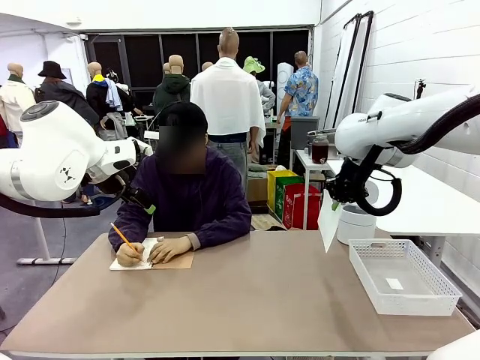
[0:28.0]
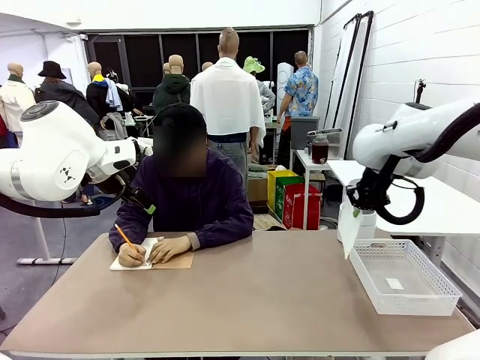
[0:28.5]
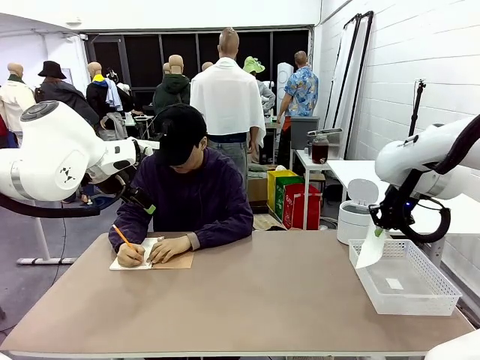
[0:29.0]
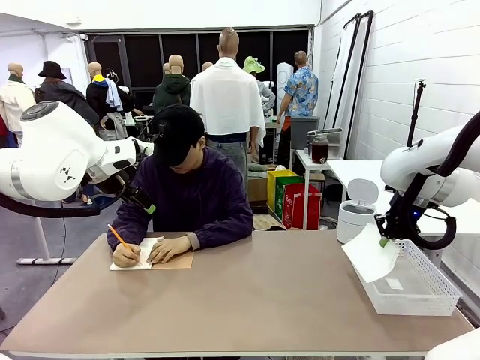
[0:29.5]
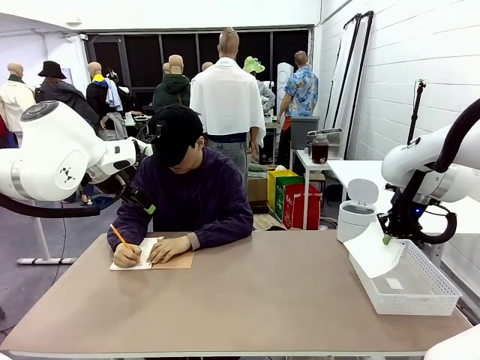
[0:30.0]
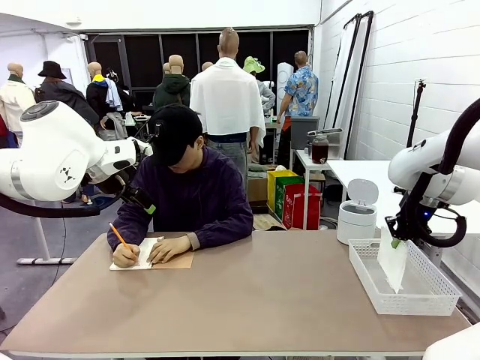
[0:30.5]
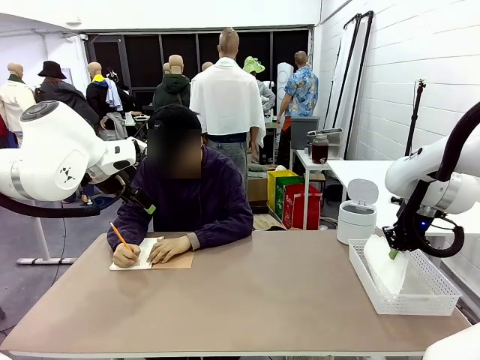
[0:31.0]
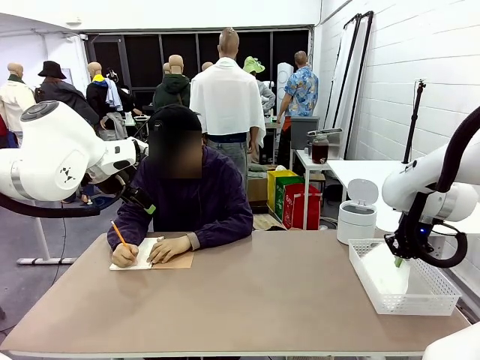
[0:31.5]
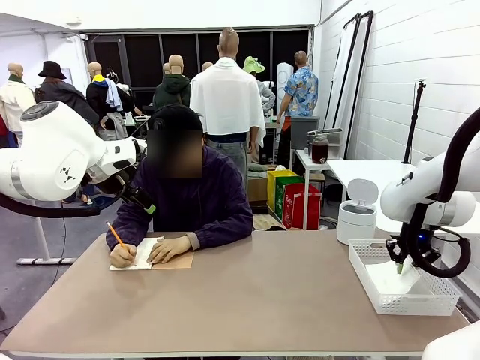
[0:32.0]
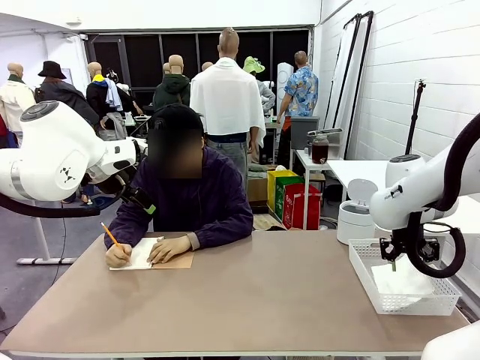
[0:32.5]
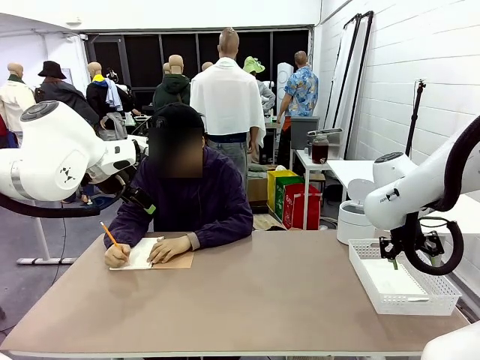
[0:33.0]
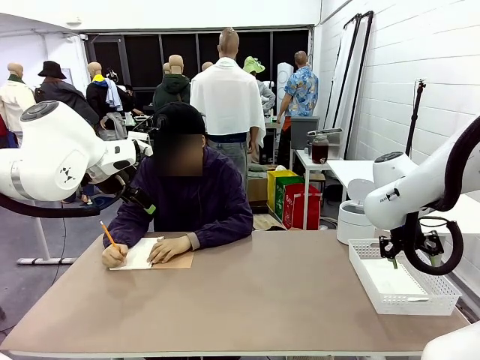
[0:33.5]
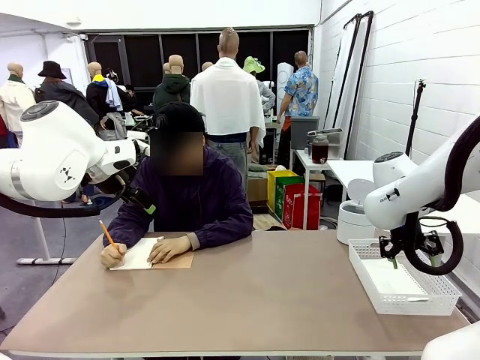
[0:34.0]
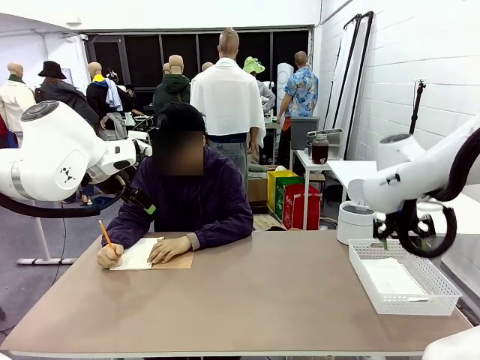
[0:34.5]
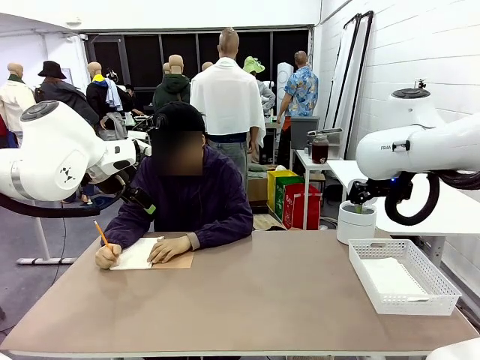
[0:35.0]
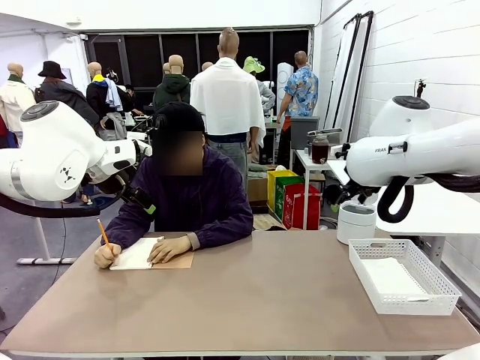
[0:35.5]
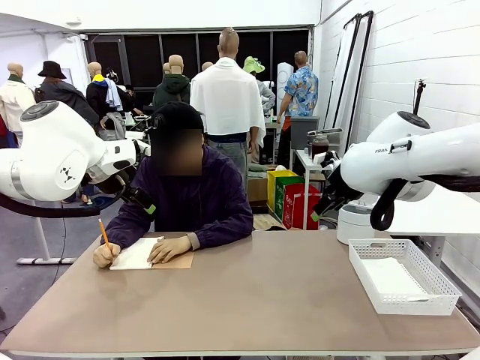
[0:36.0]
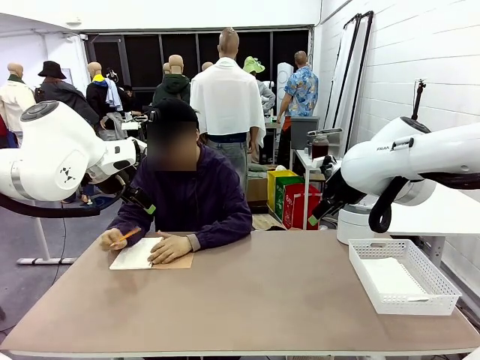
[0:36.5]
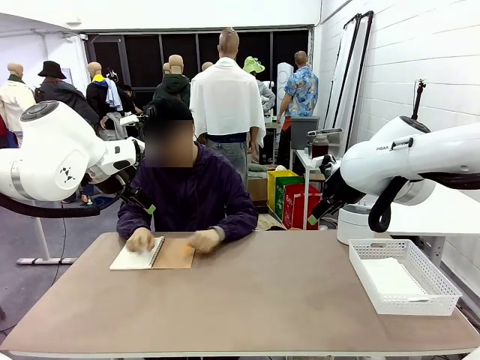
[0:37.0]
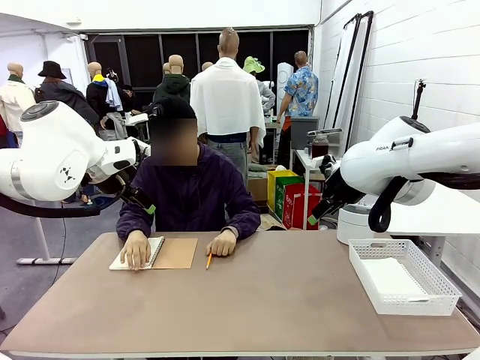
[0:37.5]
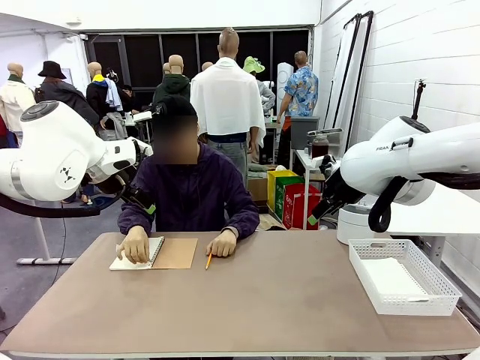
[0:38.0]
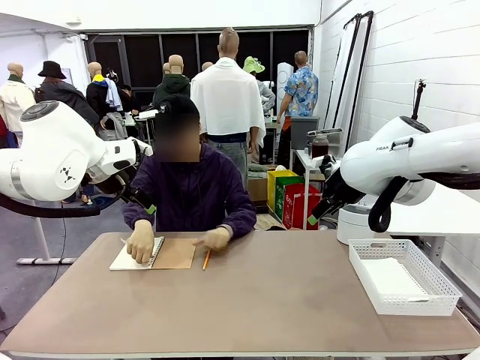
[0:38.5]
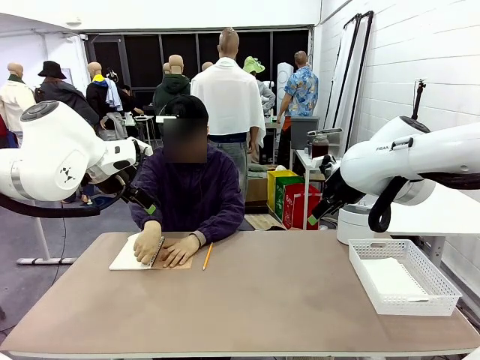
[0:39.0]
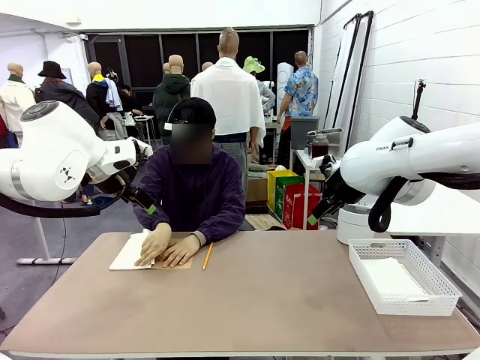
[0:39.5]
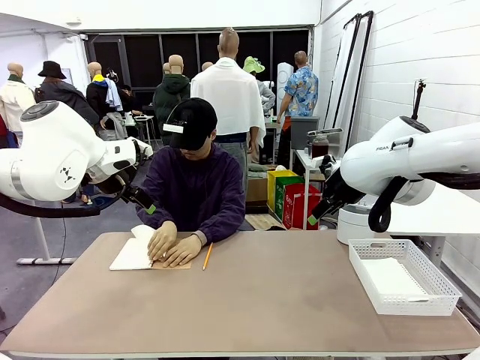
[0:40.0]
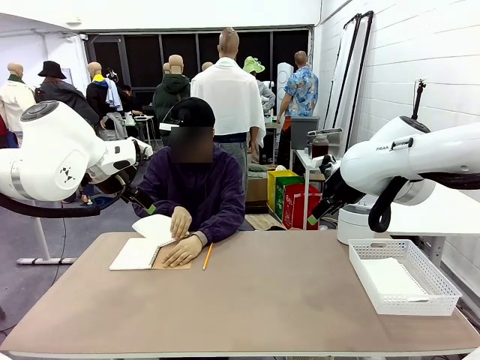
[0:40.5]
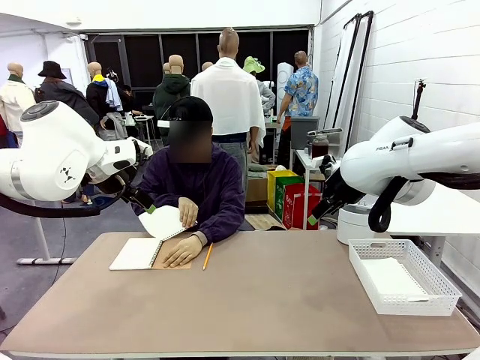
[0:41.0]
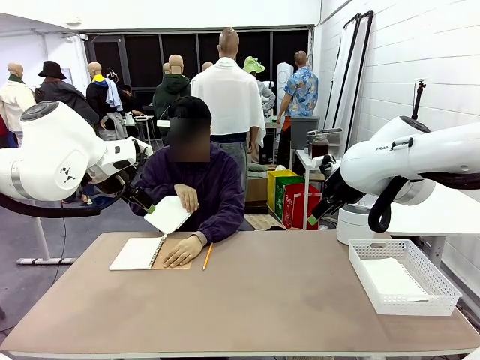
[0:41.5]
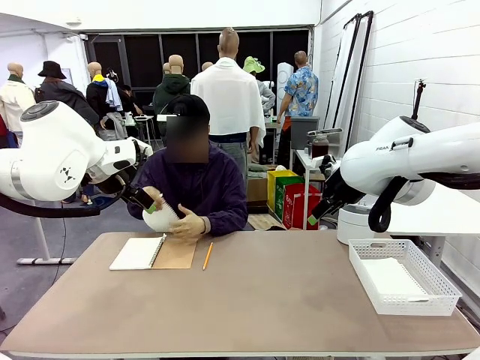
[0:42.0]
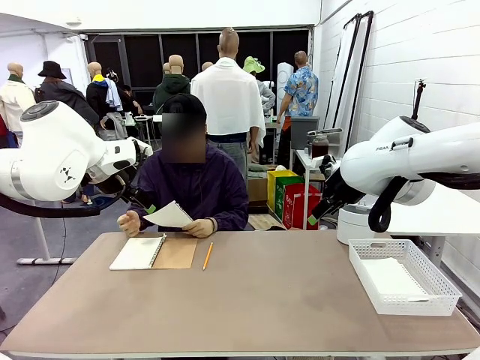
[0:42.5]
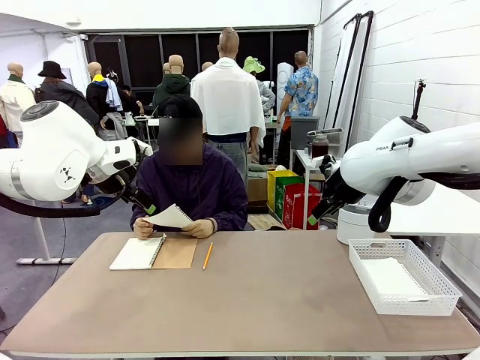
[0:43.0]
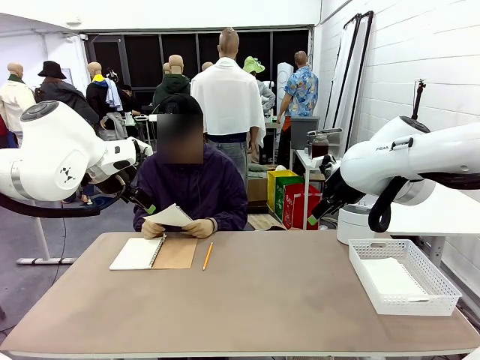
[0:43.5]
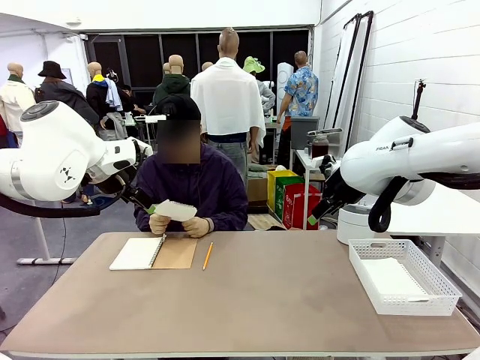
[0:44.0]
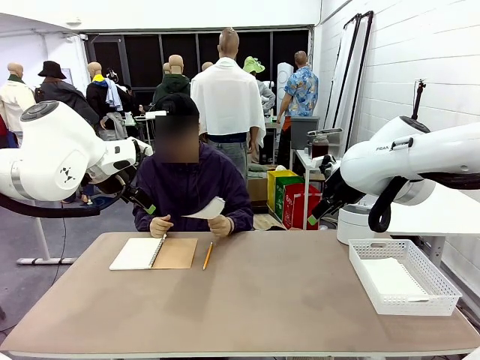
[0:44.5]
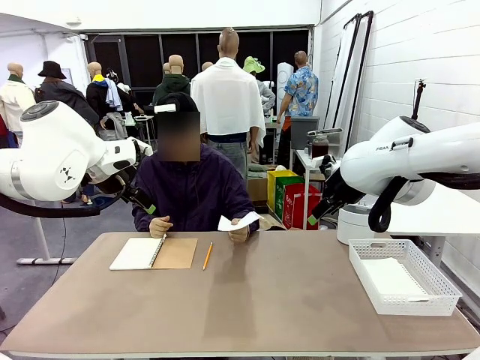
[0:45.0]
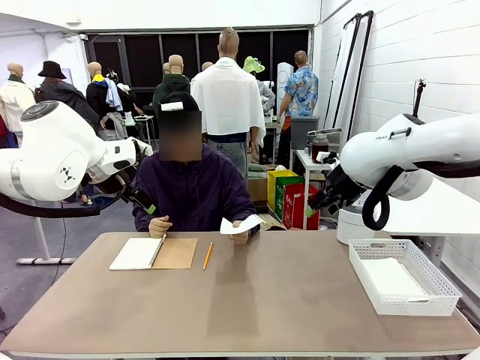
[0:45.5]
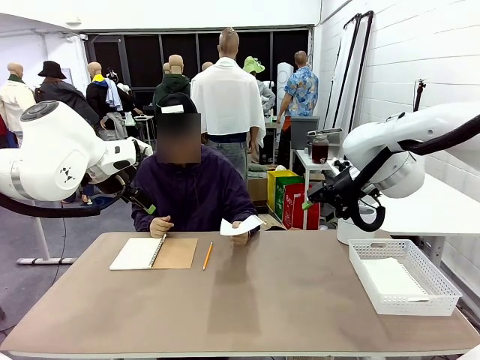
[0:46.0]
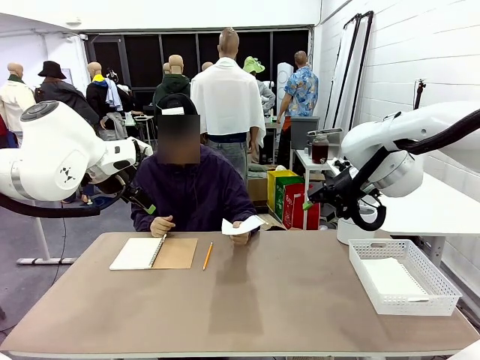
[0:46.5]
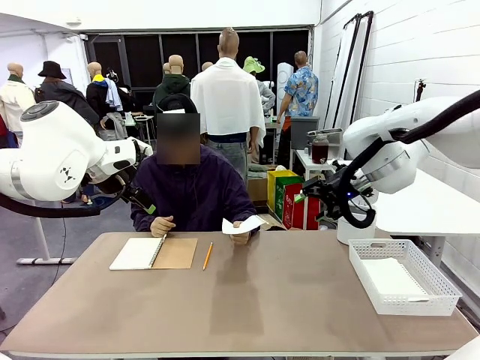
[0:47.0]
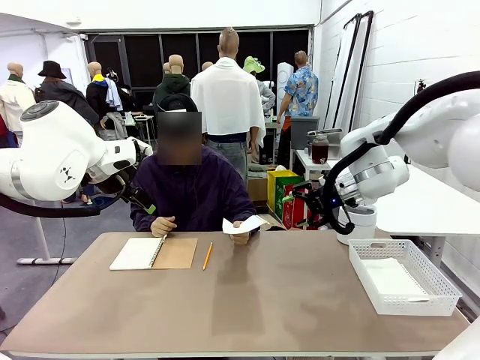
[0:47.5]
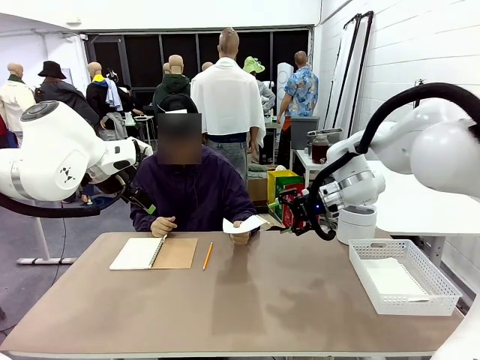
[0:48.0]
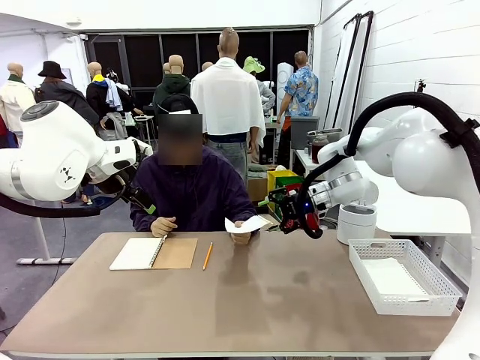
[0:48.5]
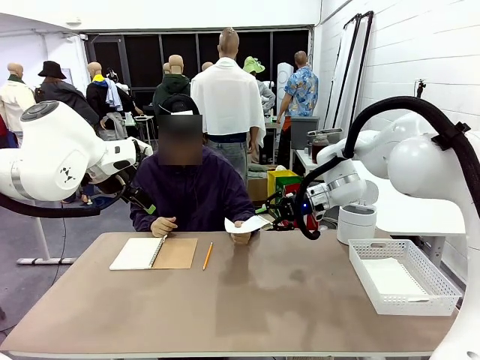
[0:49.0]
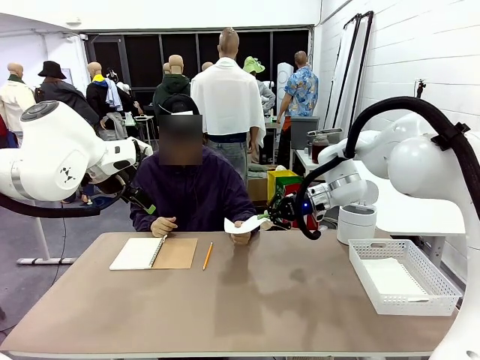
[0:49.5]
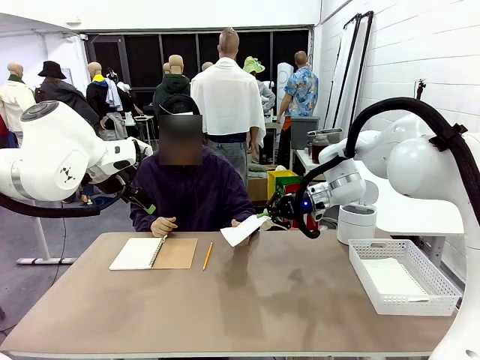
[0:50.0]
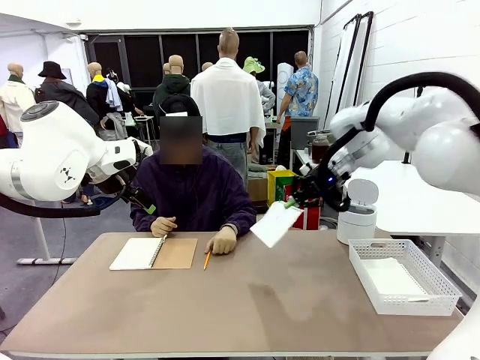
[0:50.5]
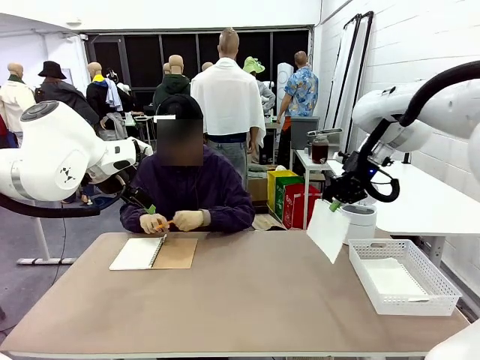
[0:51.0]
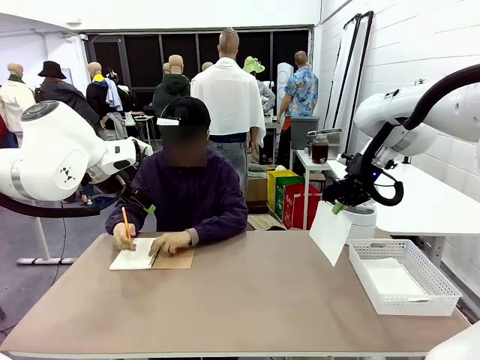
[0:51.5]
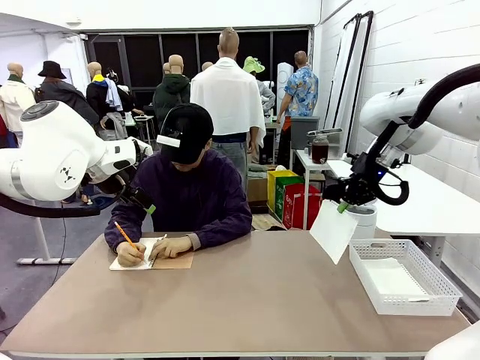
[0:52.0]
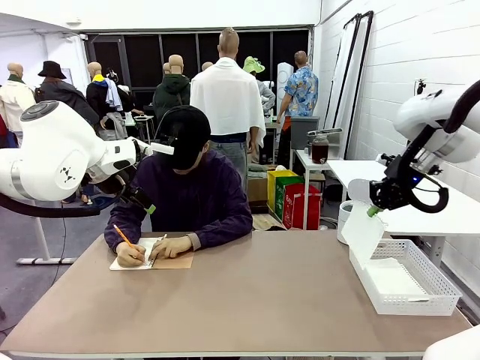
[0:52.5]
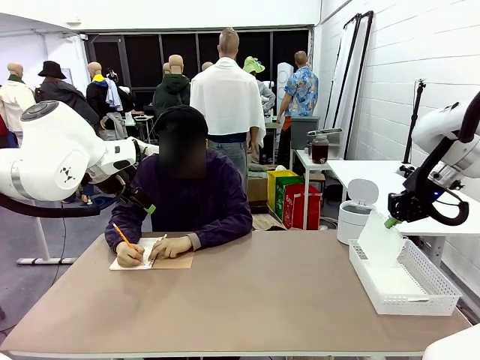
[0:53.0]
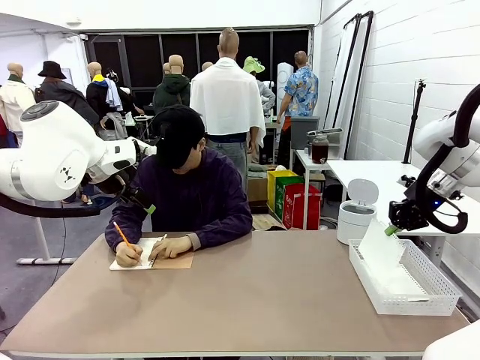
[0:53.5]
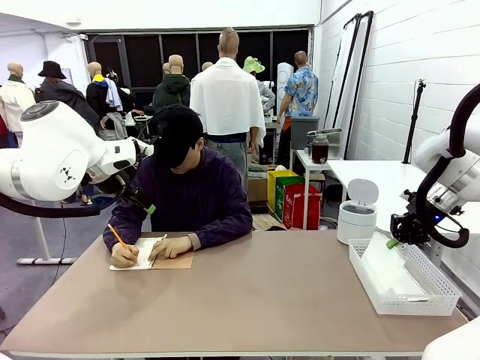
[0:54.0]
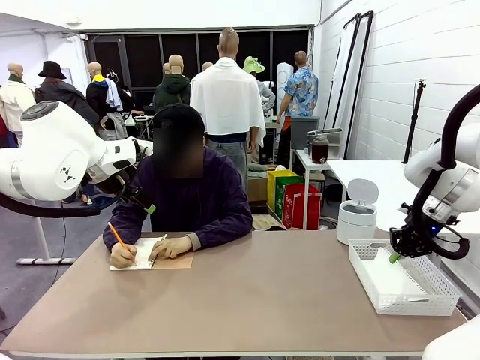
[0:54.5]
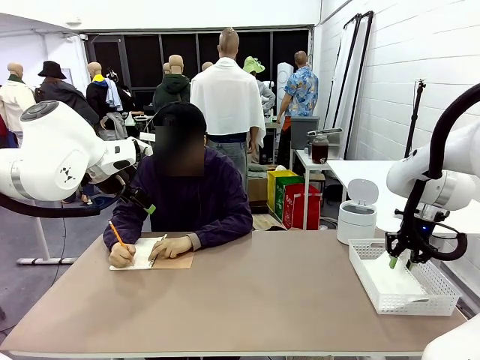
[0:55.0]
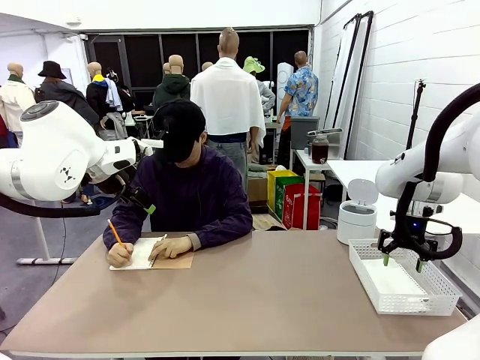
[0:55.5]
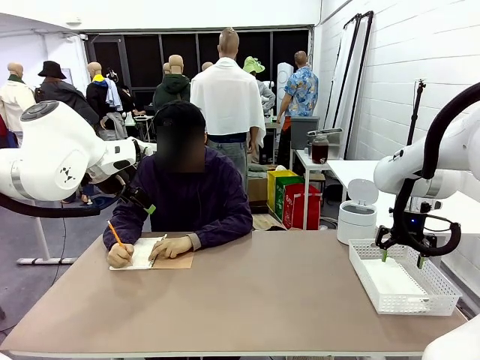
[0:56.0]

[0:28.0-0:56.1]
Task: Sort the paper based on its condition.
Robot: If a person hands you a paper, place it in the Organizing basket , and if it's crumpled, put it in the Trash can.
Person: Tear out a page from the spiral notebook. Hand the torn page to the robot or crumple it and throw it to the center of the table.
